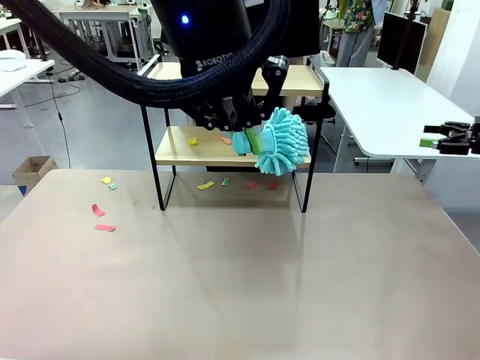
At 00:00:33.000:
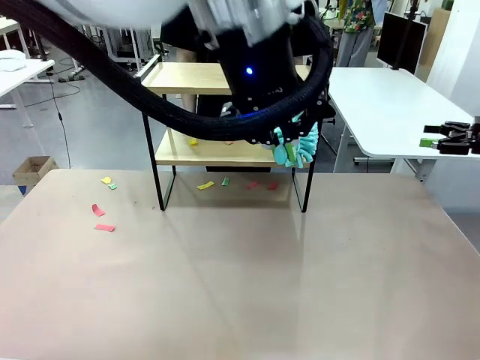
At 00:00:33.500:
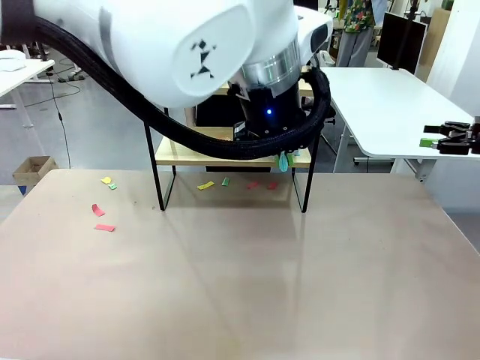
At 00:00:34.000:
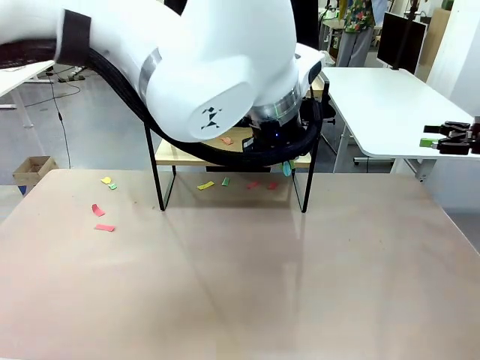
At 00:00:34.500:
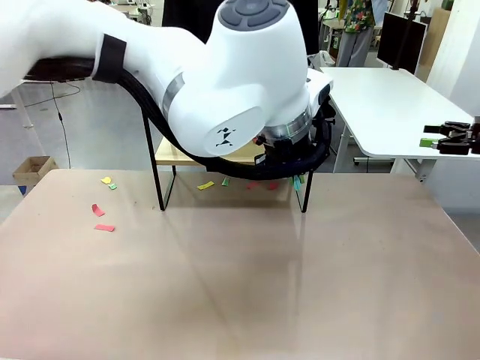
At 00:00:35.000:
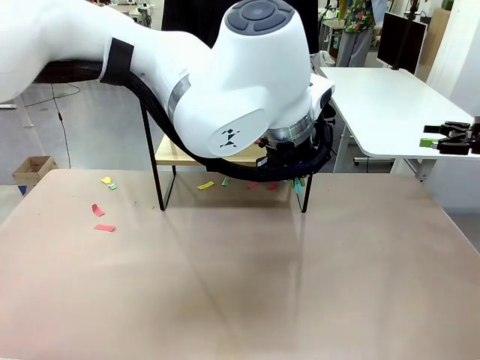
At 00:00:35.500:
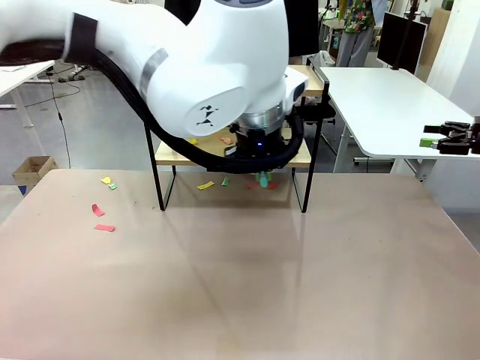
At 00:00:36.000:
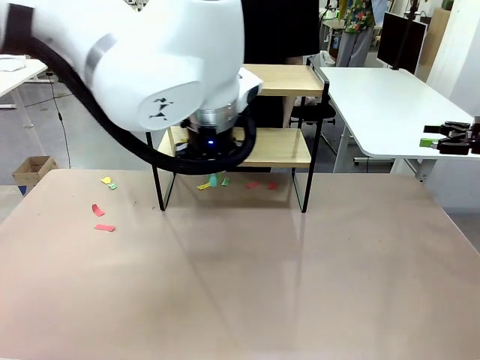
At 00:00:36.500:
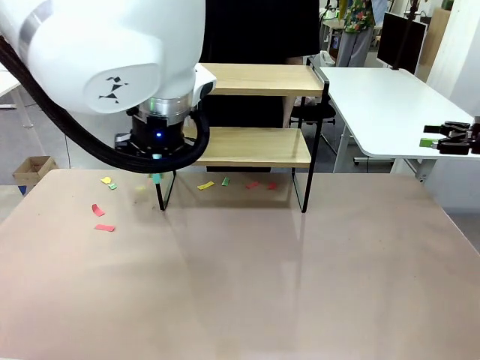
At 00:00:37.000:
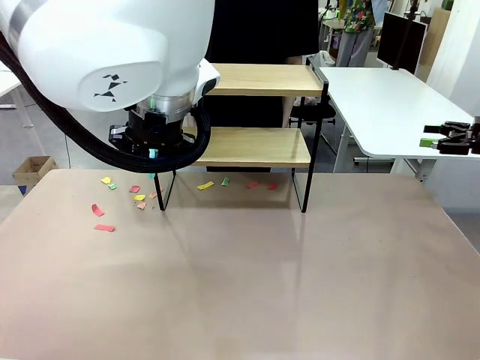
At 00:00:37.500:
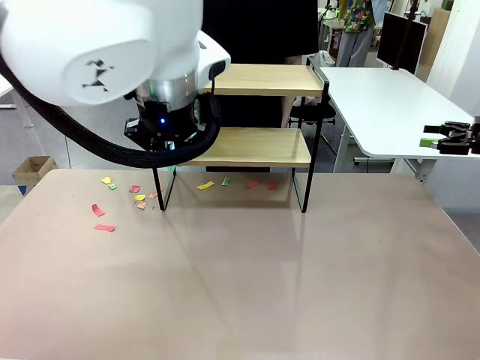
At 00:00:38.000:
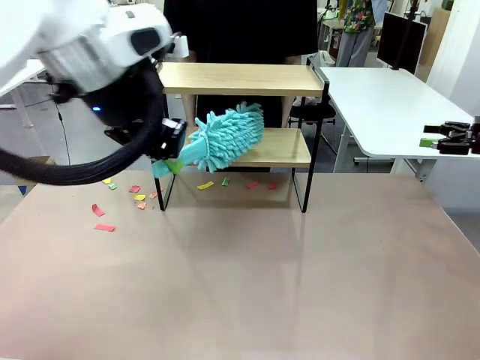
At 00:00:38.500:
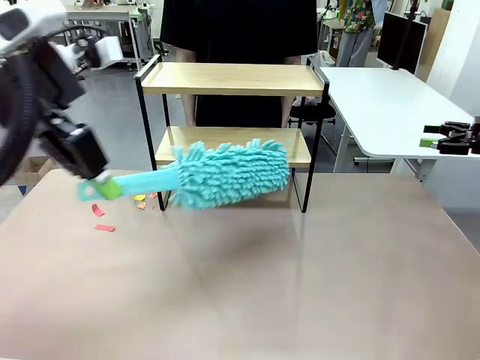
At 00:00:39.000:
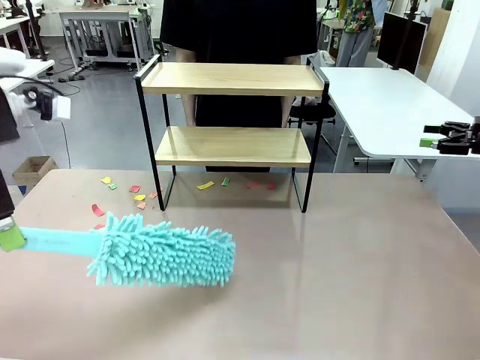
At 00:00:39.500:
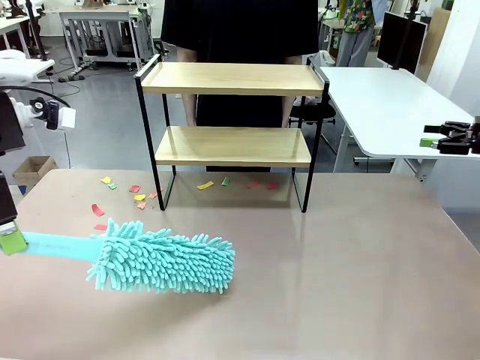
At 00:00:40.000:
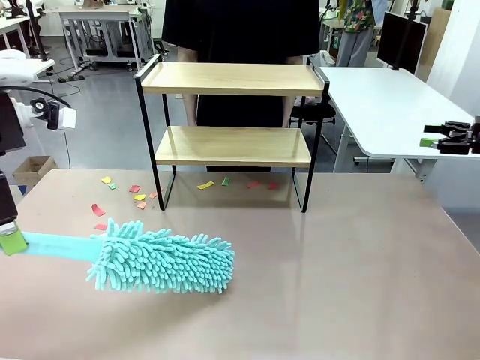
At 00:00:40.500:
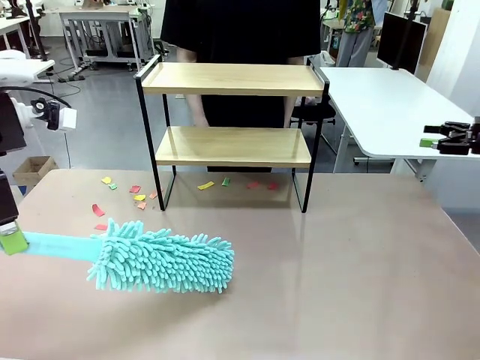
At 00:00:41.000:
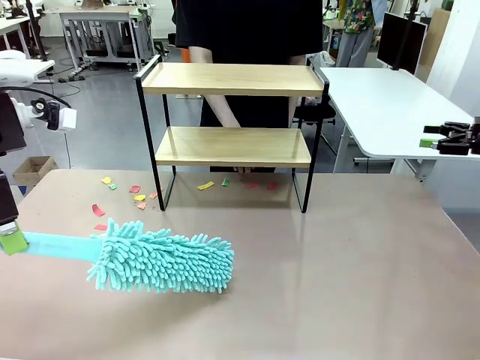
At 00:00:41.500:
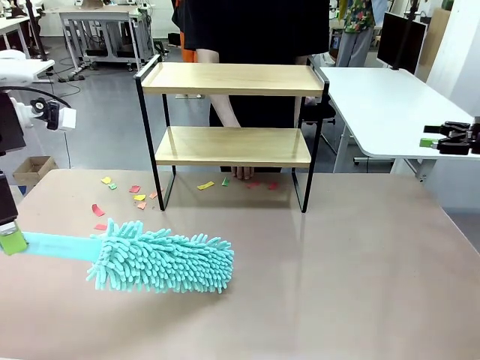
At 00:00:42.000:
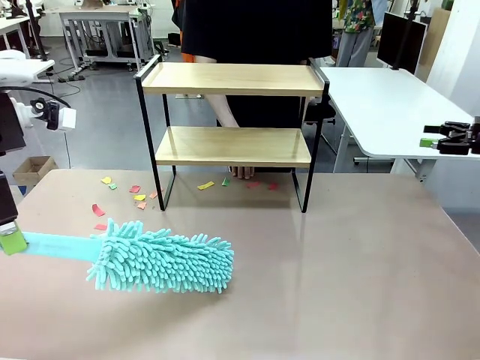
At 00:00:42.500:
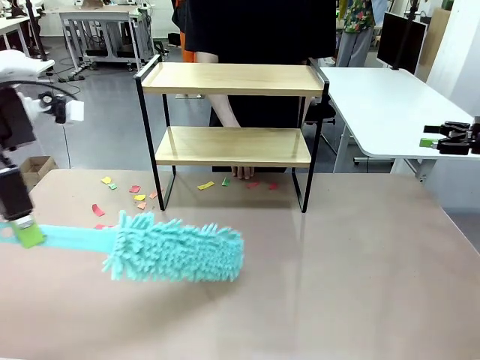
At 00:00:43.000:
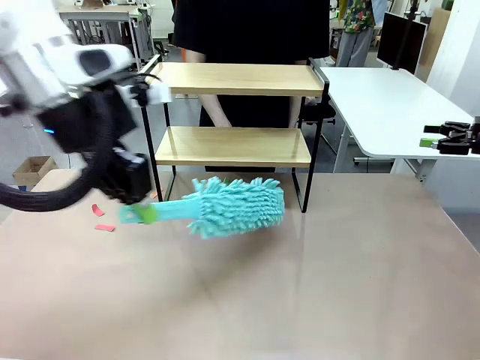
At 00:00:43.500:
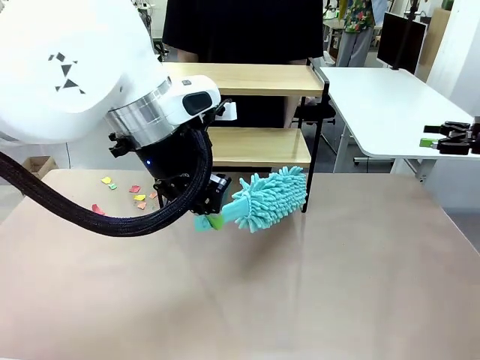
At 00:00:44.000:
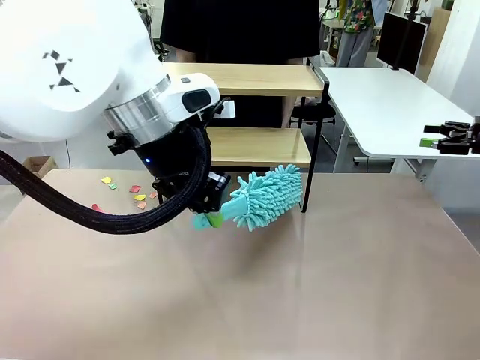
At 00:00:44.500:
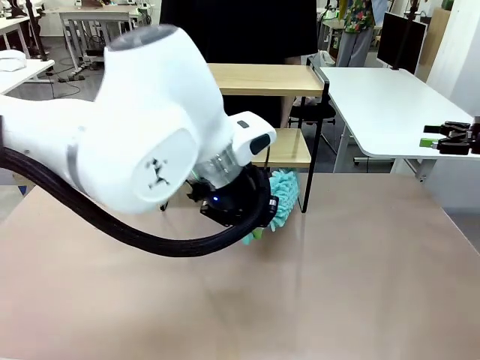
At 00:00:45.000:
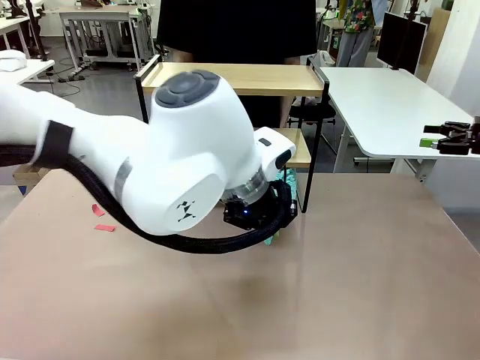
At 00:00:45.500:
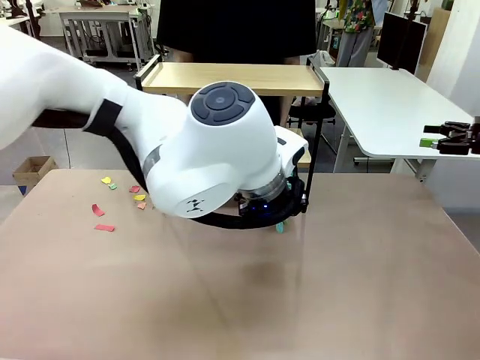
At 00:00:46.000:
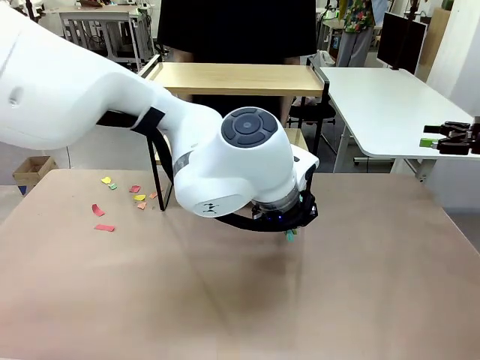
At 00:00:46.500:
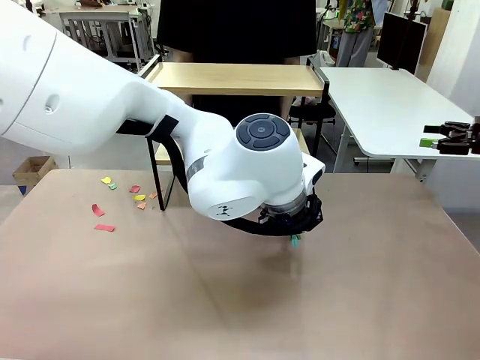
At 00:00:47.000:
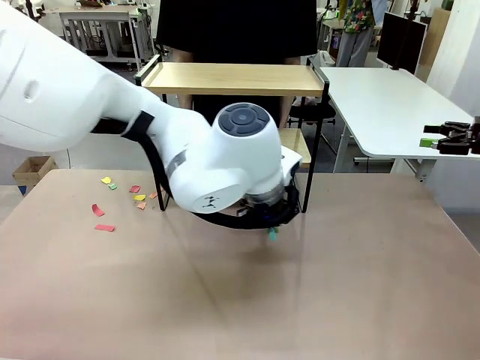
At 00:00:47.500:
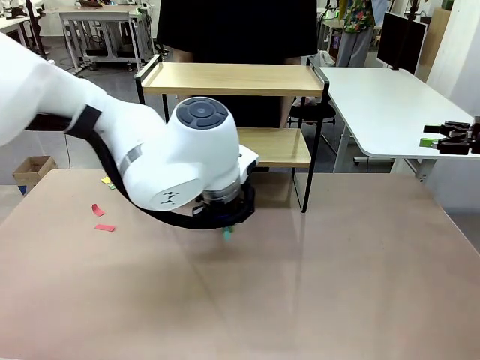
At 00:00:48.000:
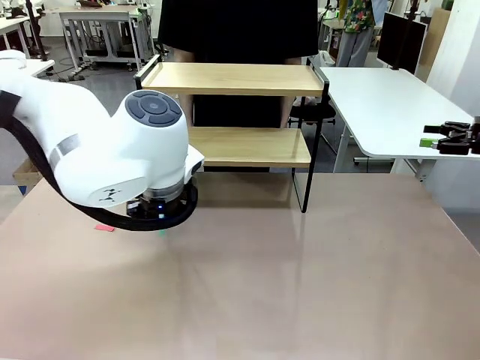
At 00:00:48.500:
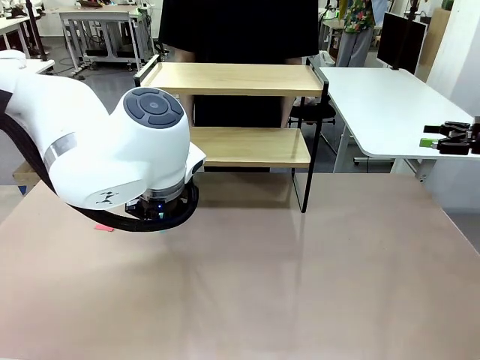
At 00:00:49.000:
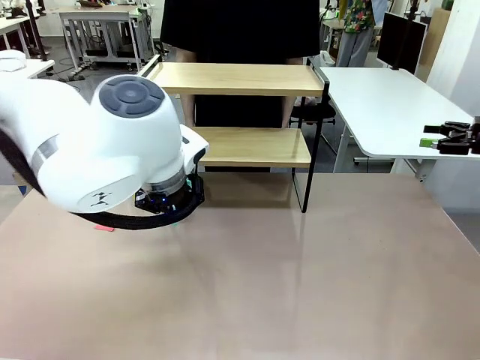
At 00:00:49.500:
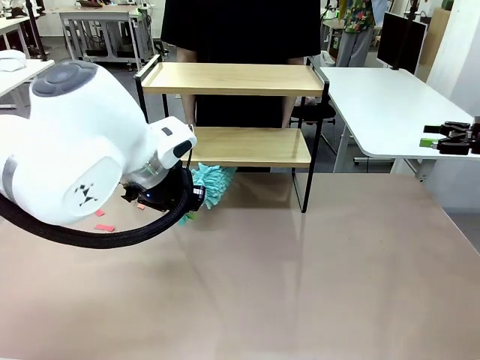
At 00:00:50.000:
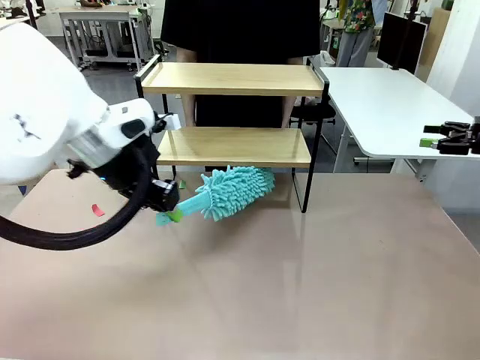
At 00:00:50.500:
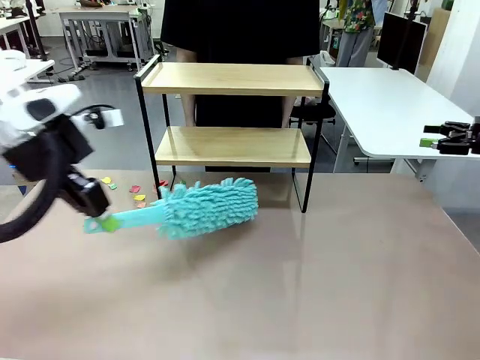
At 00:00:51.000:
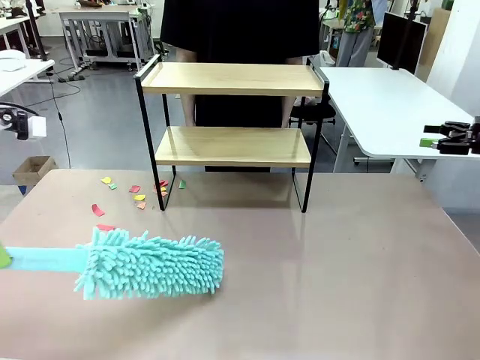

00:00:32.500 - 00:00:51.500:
Task: Clean the shelf.
Robot: Clean the specific section of the Shelf indicated by the human with the Duster.
Person: Point a remaining section of the Shelf.

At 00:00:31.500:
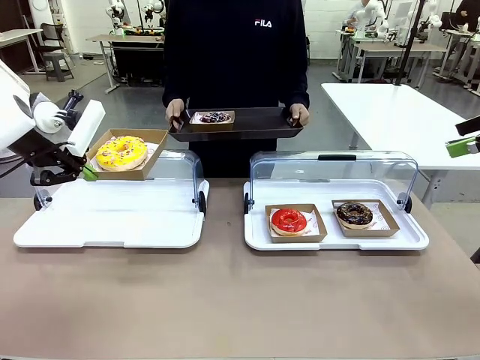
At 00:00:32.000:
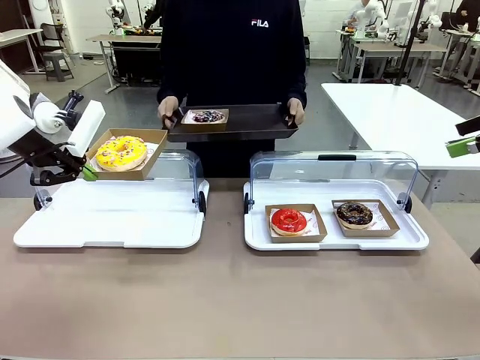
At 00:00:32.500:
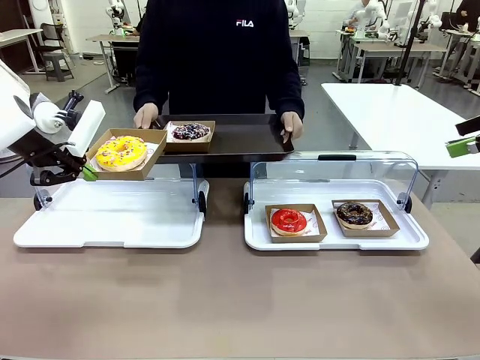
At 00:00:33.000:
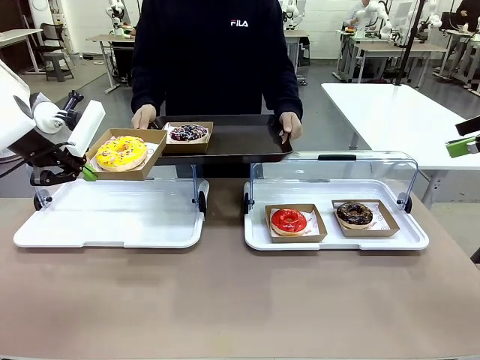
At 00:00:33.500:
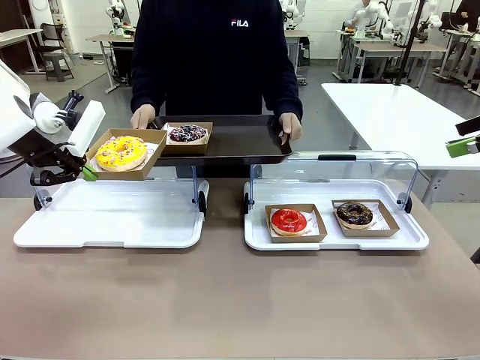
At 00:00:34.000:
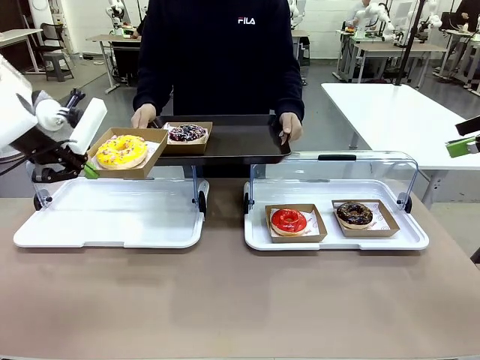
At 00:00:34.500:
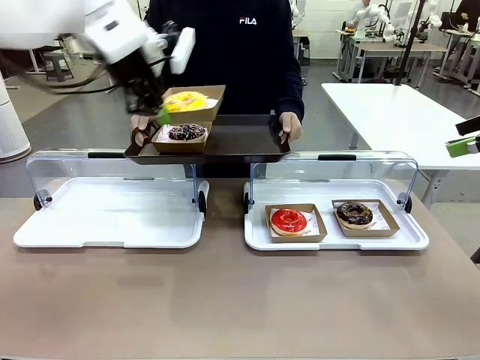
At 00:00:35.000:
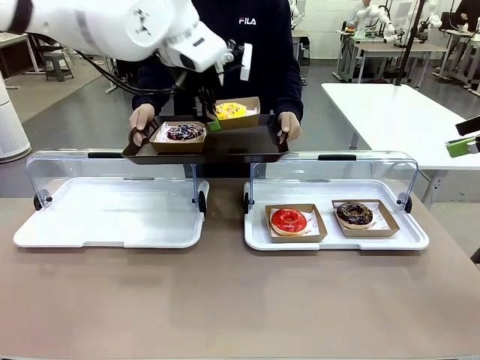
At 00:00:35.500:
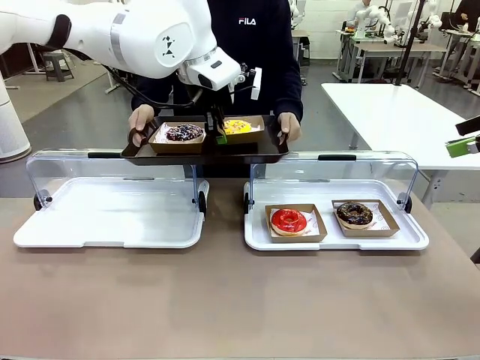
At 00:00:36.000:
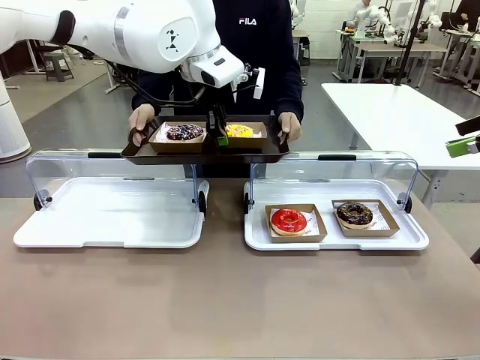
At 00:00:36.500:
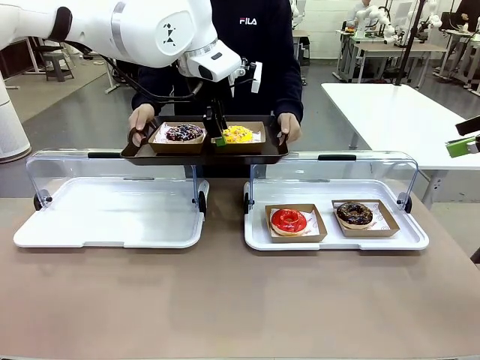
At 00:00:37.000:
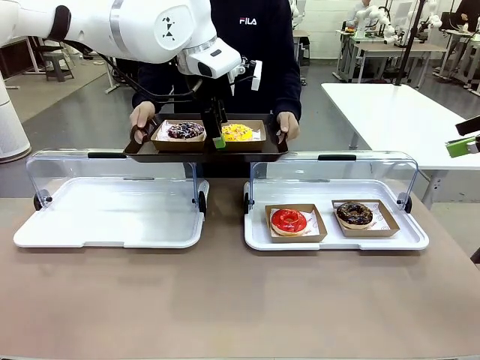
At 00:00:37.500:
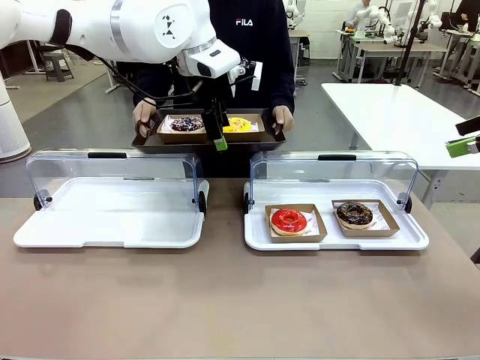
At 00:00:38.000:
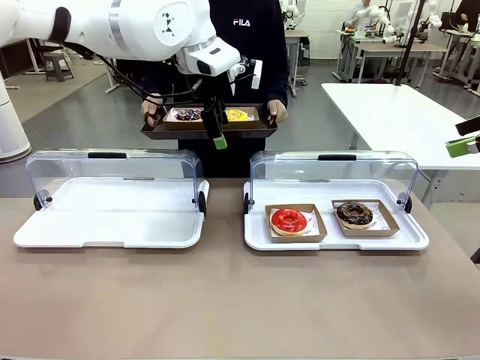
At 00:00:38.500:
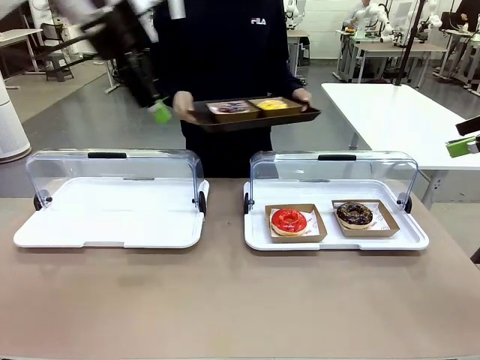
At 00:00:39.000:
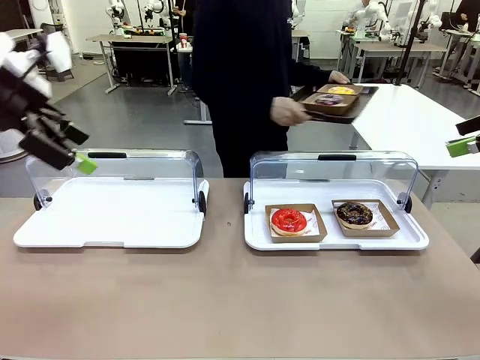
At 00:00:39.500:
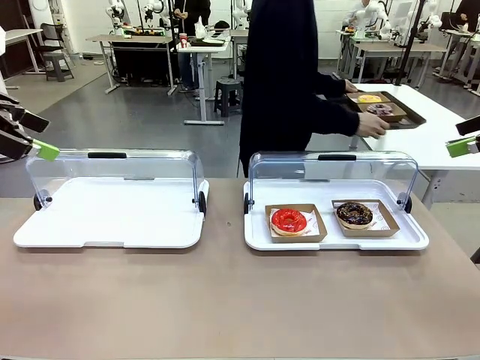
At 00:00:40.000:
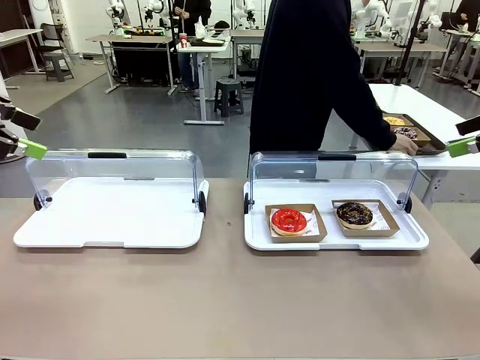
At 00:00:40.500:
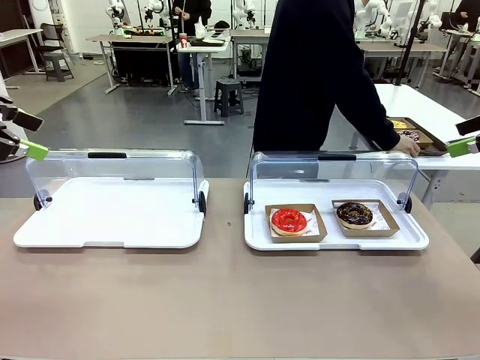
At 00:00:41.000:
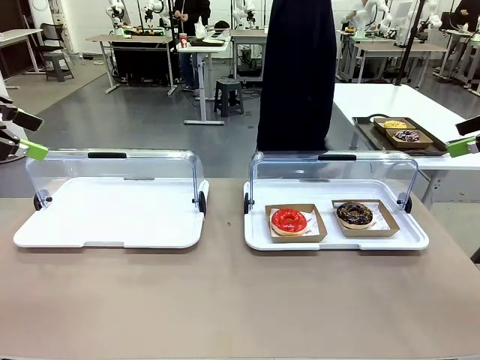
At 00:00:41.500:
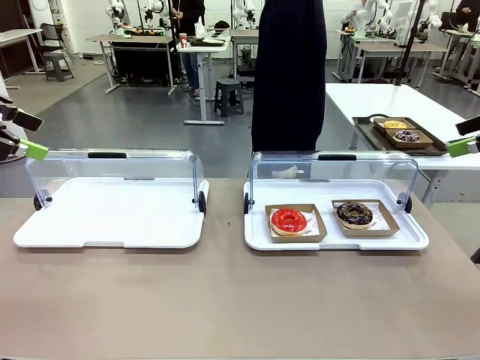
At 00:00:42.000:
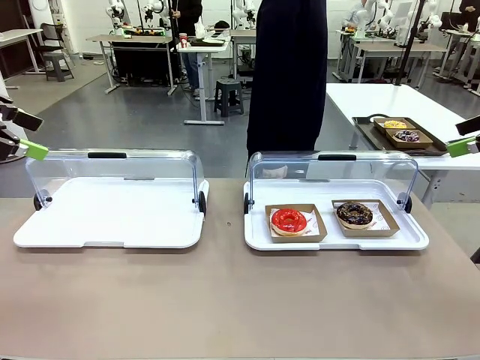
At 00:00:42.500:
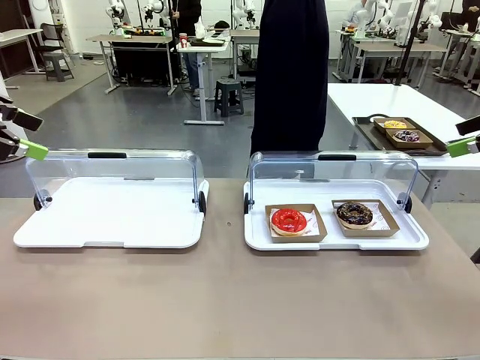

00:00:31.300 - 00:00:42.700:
Task: Provide the desired donut to the person.
Robot: Place the picked Paper togo box onto the Handle tray extended by the person.
Person: Place the tray in the middle of the human table.
